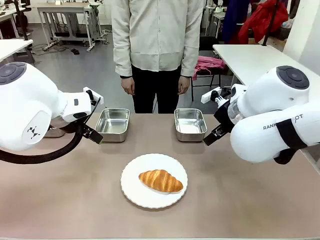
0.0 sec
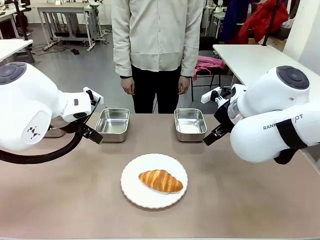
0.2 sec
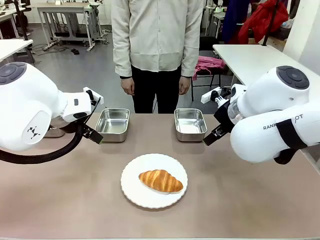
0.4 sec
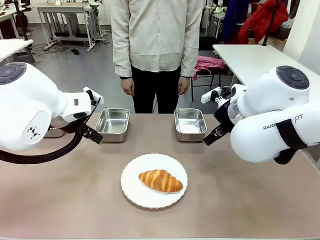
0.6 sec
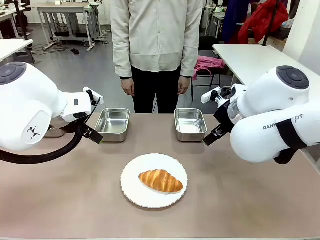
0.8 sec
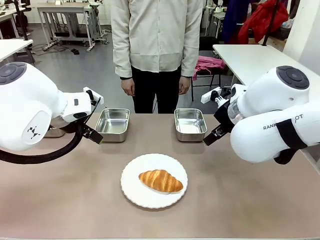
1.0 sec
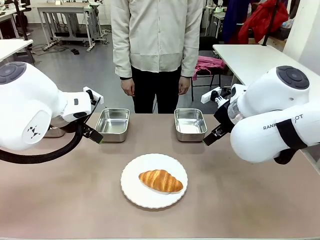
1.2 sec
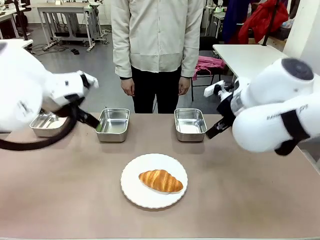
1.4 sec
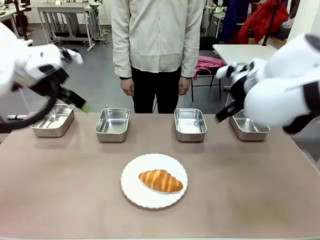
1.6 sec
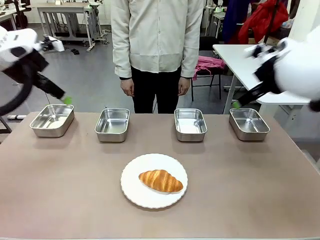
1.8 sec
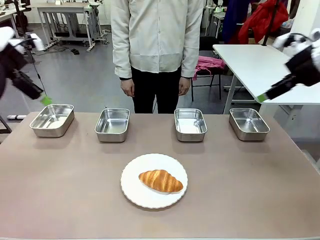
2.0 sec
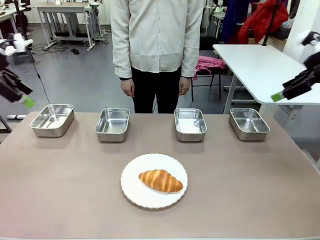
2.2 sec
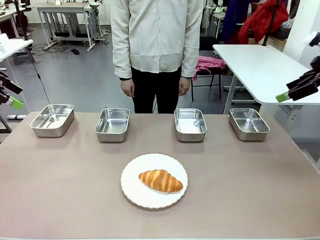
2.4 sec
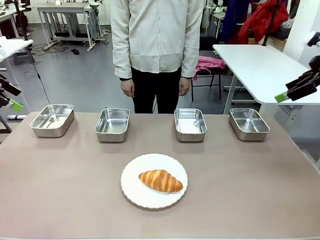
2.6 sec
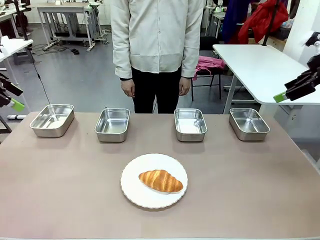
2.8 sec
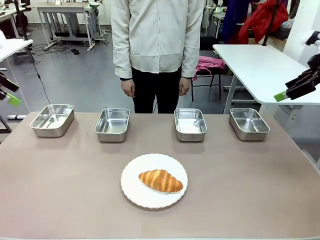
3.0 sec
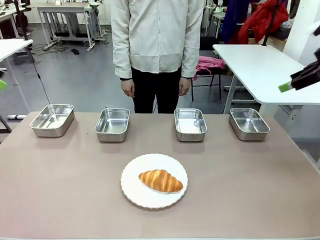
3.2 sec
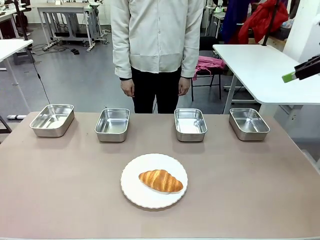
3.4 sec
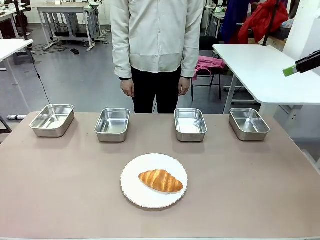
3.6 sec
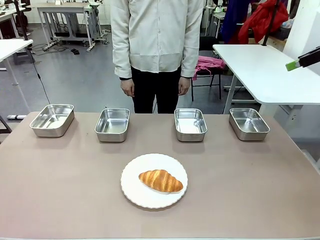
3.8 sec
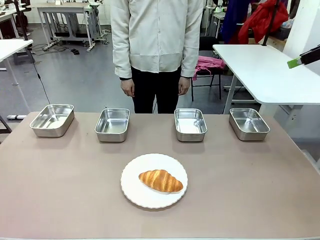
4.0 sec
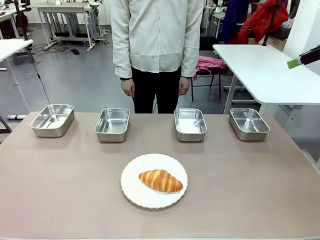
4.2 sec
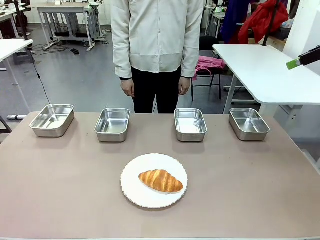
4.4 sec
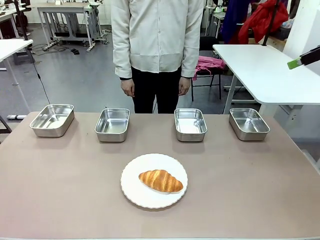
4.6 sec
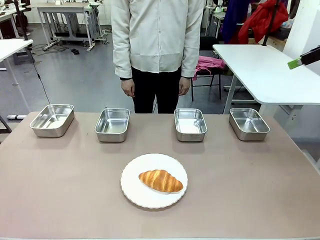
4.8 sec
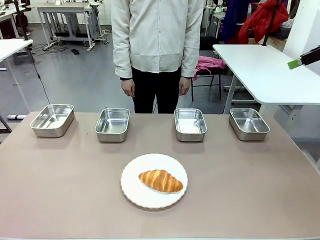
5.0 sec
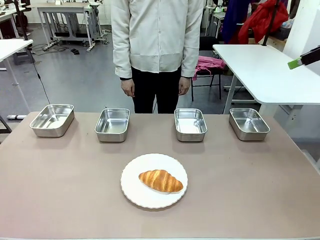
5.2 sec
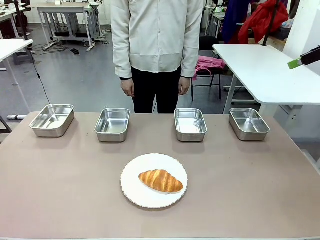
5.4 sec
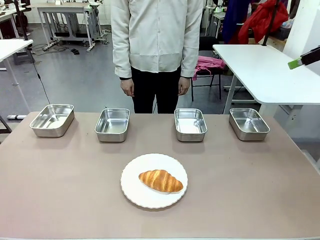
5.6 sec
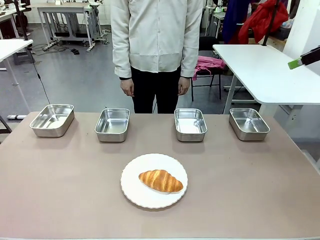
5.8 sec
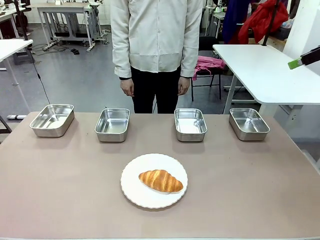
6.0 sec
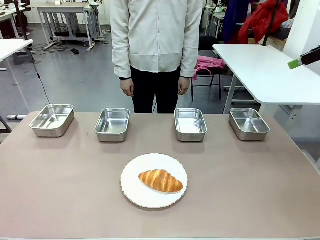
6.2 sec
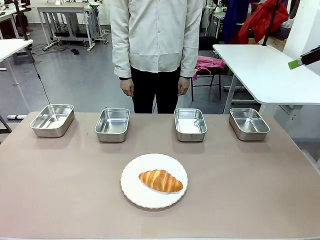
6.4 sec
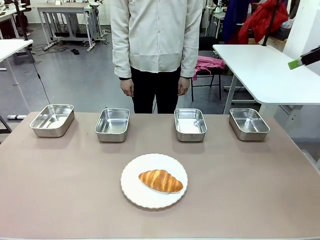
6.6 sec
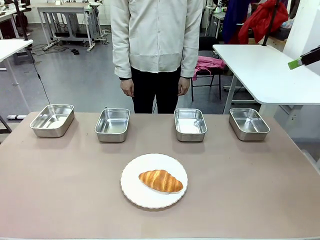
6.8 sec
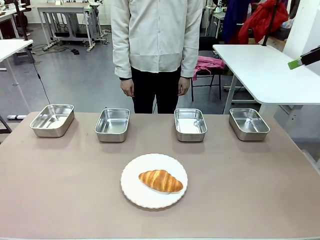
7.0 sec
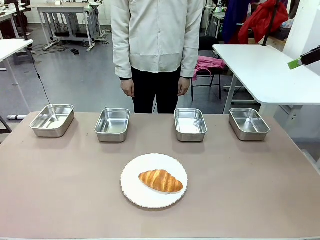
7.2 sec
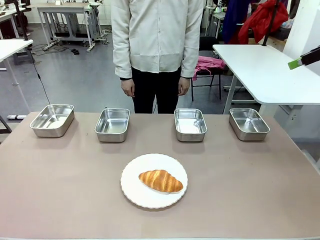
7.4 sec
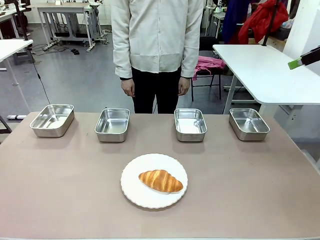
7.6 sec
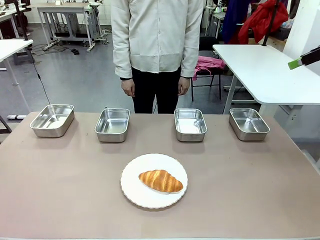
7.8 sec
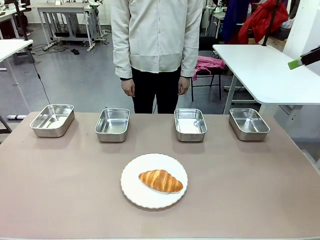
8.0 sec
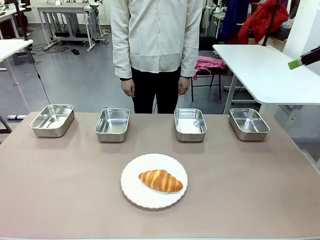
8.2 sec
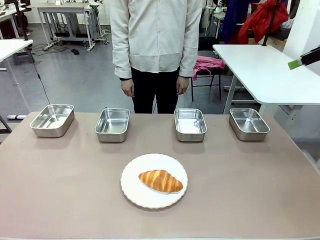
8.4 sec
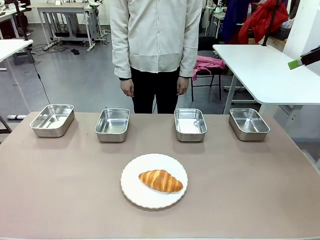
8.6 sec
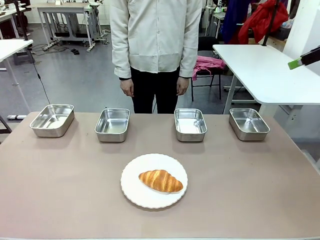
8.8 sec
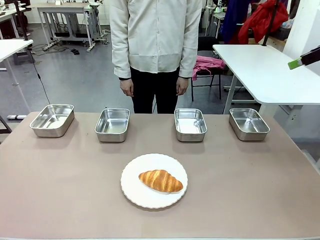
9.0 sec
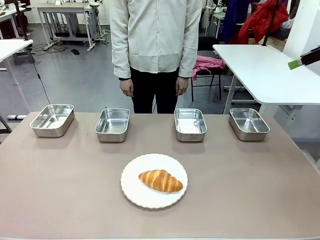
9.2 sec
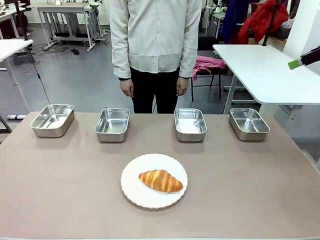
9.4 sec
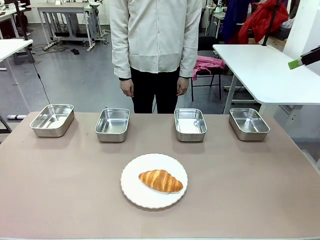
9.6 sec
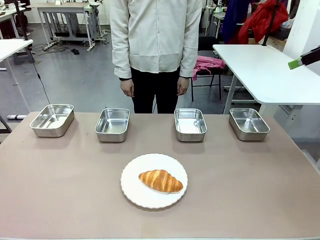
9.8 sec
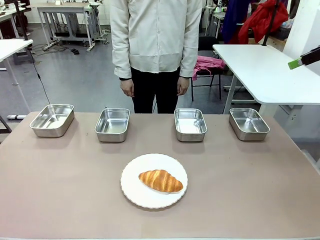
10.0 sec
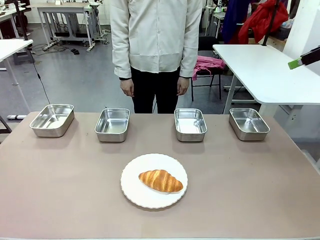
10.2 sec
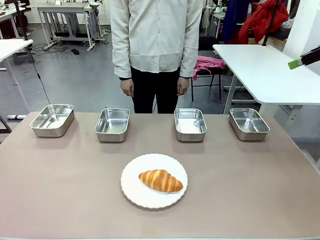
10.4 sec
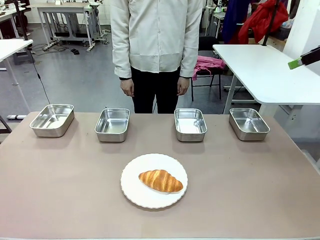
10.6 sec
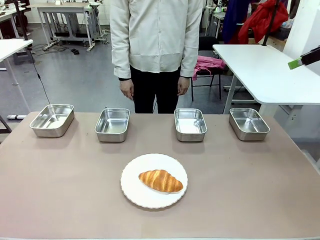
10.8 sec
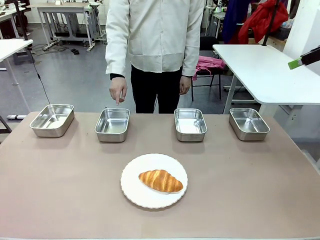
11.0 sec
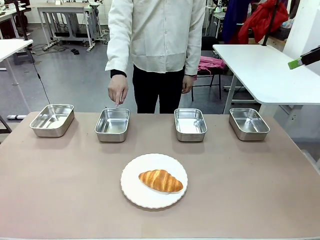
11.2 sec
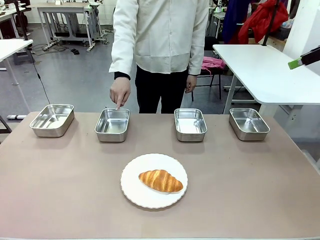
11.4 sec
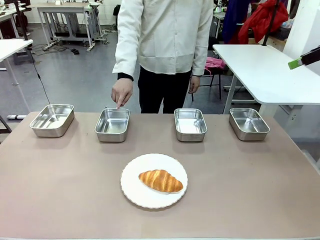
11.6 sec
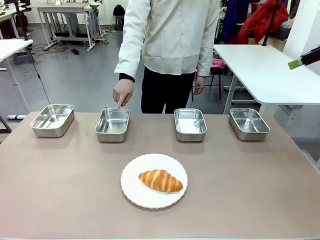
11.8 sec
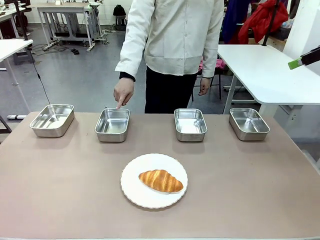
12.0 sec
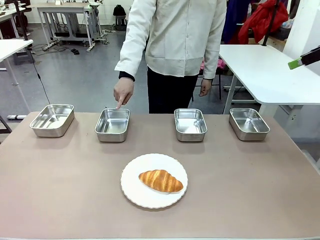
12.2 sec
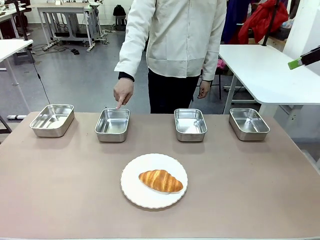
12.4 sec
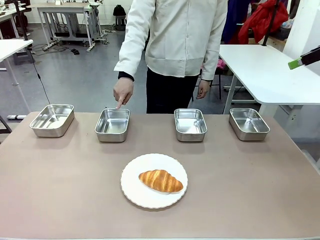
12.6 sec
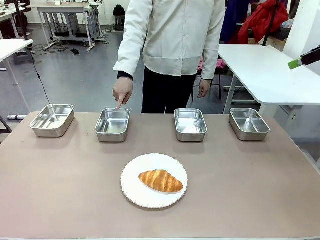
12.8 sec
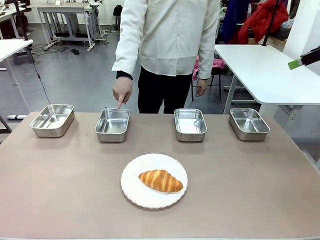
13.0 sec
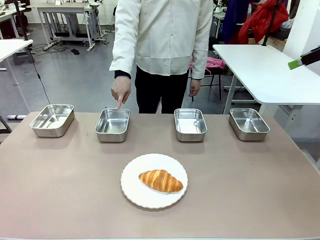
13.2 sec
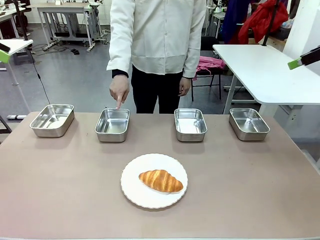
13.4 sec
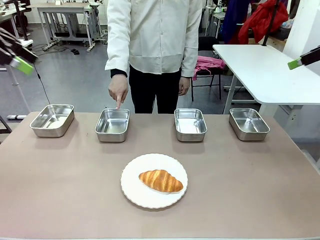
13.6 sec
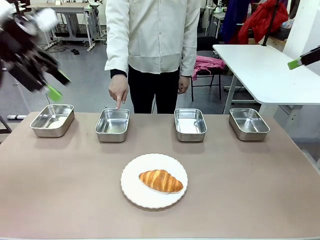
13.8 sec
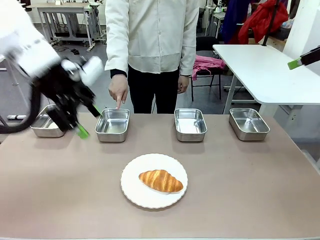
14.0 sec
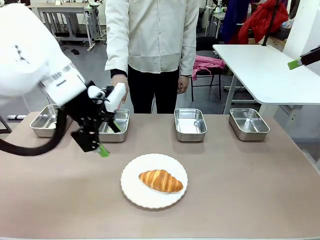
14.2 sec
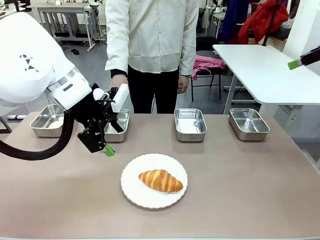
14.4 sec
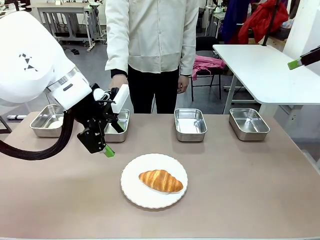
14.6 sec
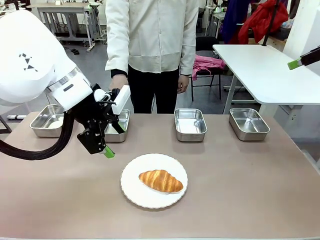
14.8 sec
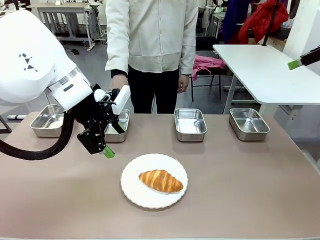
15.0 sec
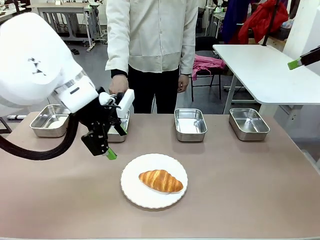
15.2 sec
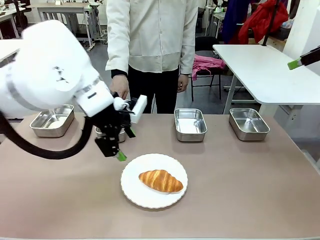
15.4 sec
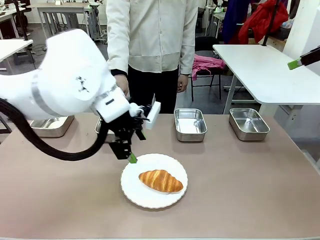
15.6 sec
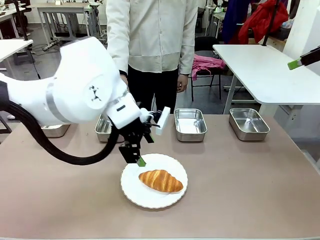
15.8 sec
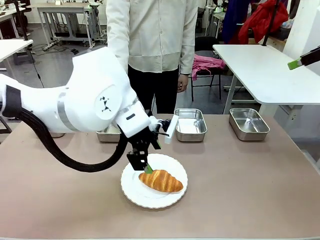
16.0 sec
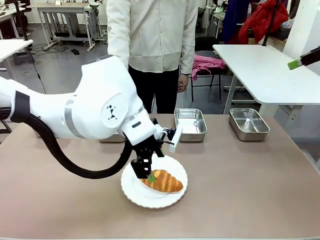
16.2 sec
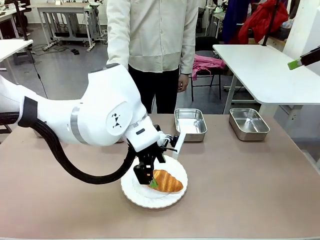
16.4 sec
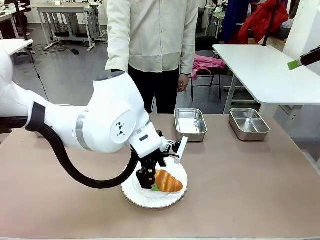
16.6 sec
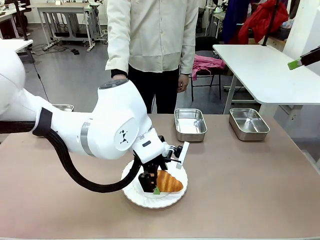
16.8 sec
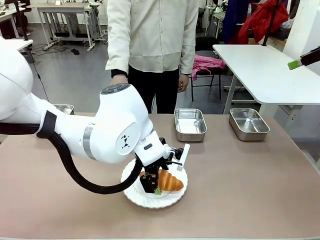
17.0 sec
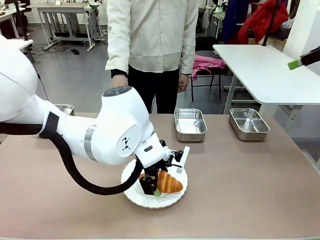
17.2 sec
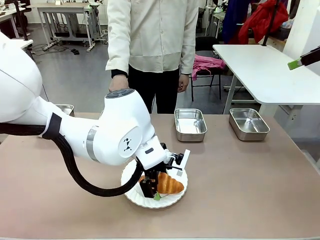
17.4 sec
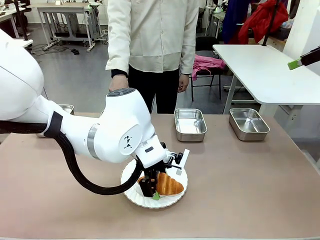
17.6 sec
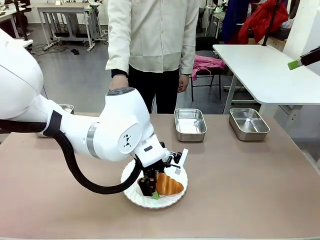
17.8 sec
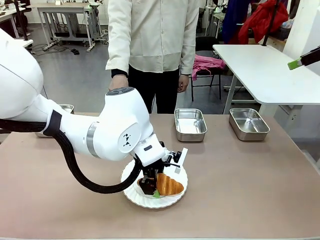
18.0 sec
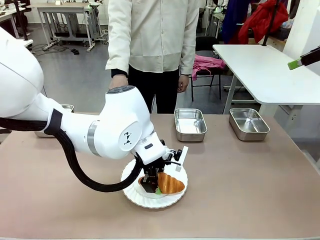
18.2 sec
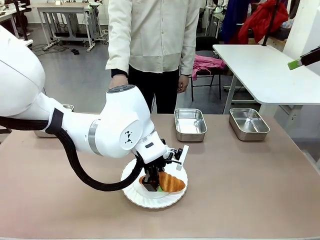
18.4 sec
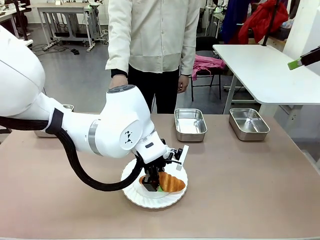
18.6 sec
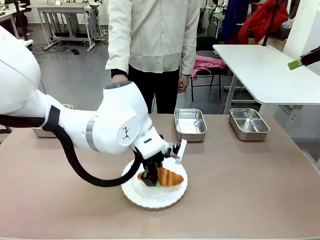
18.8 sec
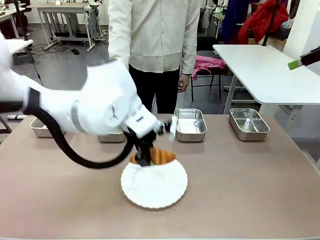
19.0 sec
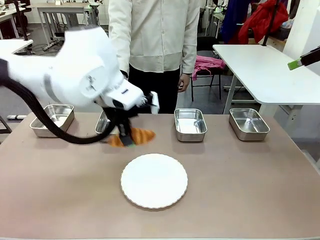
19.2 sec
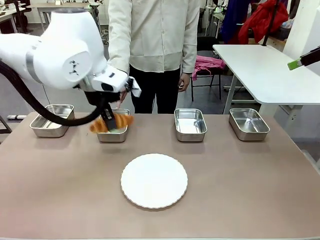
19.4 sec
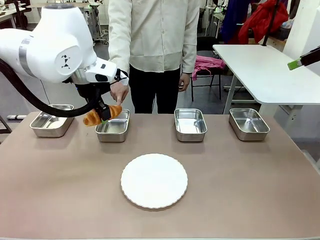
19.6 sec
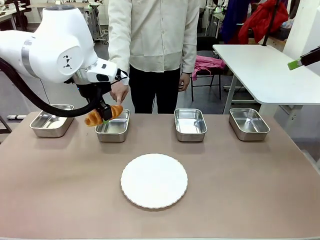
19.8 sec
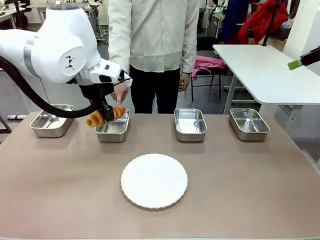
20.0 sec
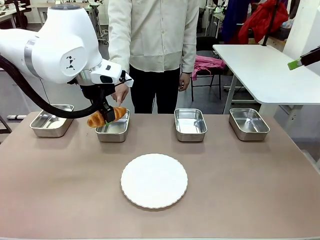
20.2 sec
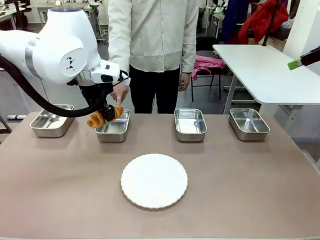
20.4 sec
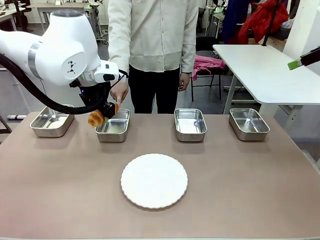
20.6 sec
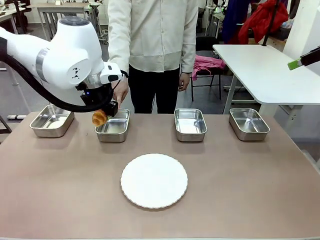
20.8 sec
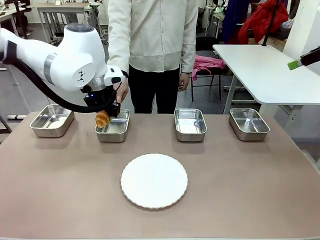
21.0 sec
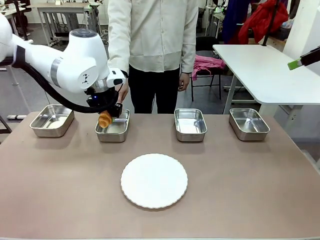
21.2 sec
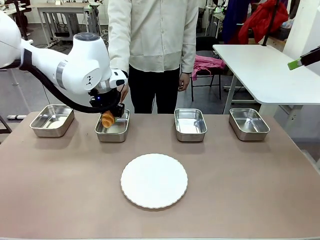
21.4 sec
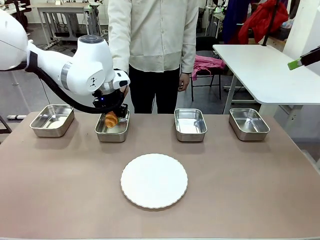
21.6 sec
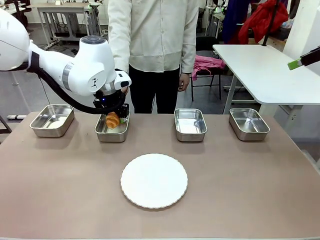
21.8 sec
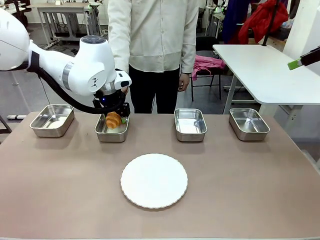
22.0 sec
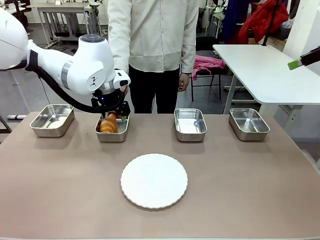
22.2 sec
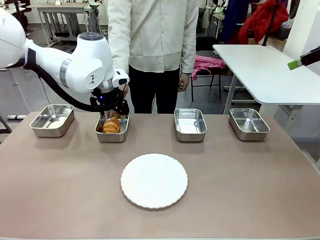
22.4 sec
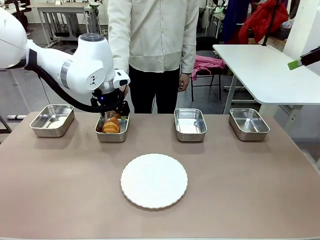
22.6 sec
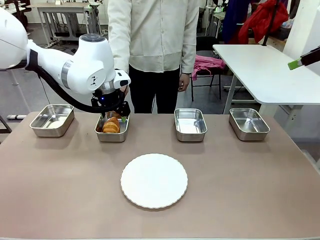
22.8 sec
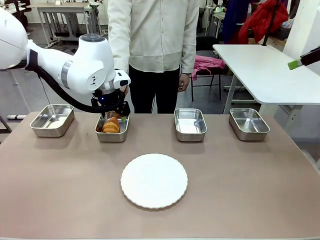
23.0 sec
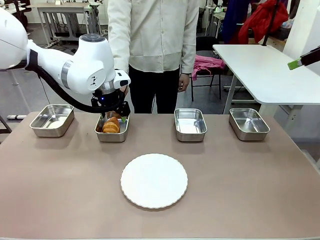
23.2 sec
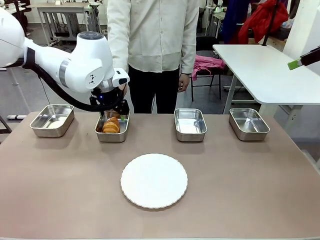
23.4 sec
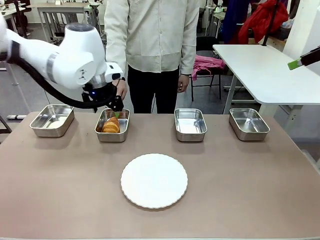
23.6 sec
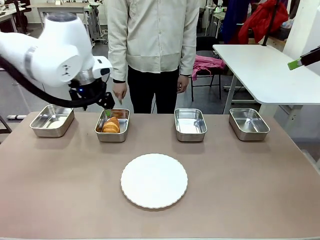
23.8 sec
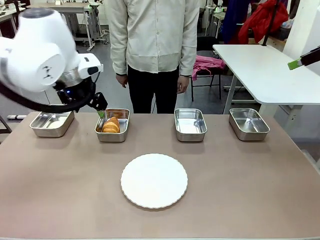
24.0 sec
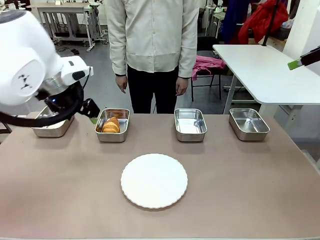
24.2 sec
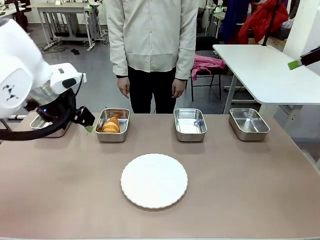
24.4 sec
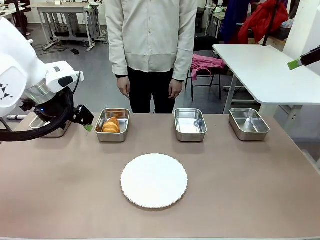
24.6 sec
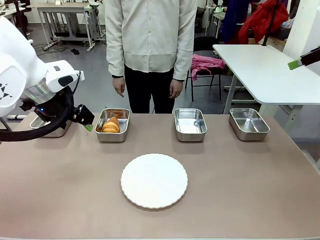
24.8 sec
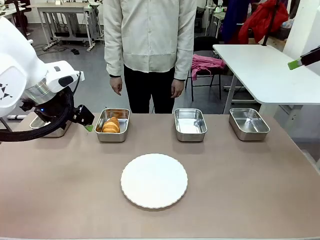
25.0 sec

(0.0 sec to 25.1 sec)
Task: Place the bread in the container.
Robot: Place the Butter Roll into the Airtight Container indicated by the human.
Person: A person randomly selects and points to an Airtight Container.
